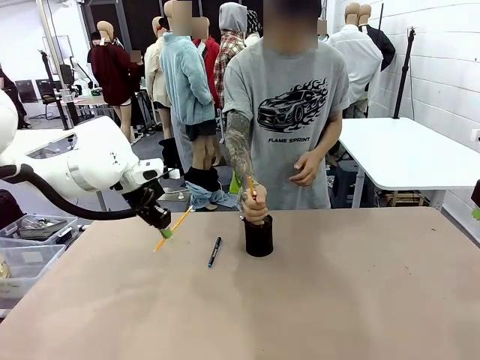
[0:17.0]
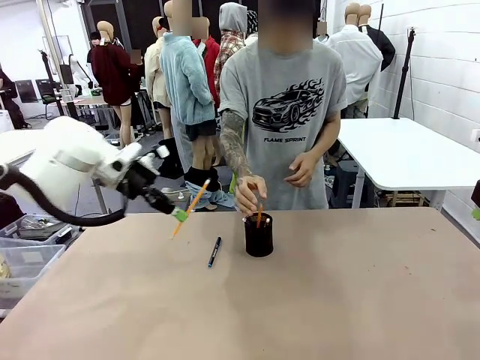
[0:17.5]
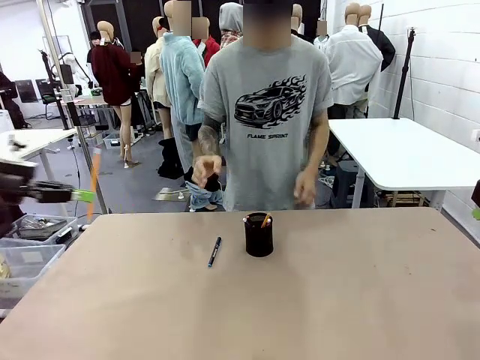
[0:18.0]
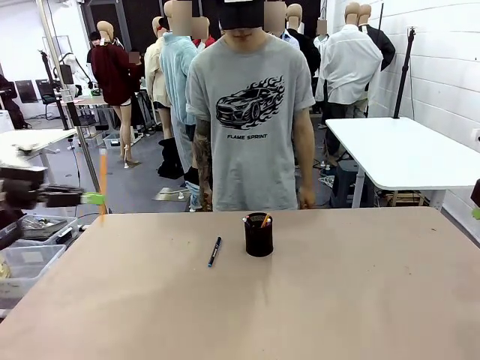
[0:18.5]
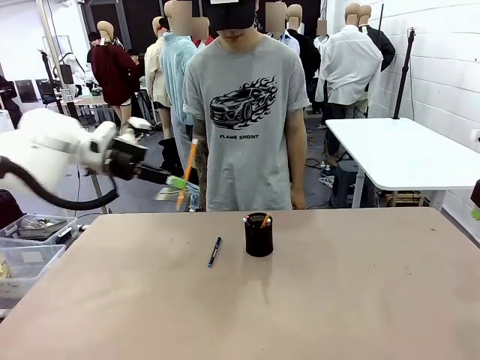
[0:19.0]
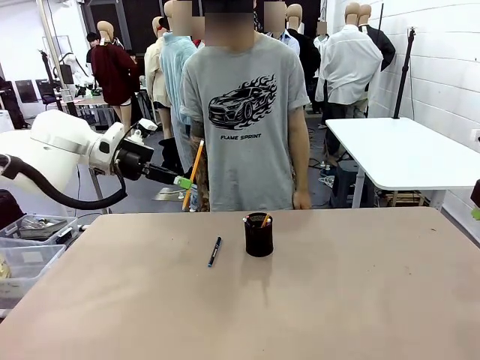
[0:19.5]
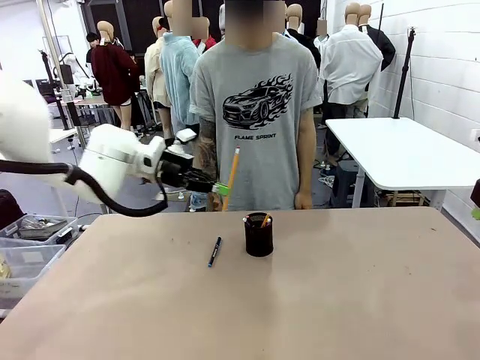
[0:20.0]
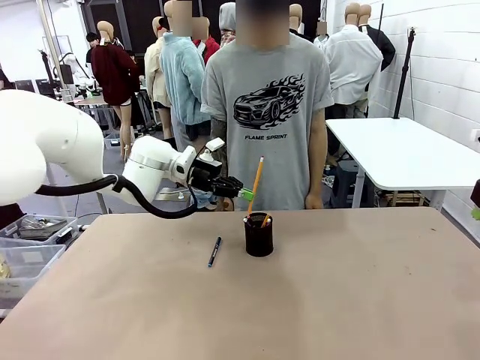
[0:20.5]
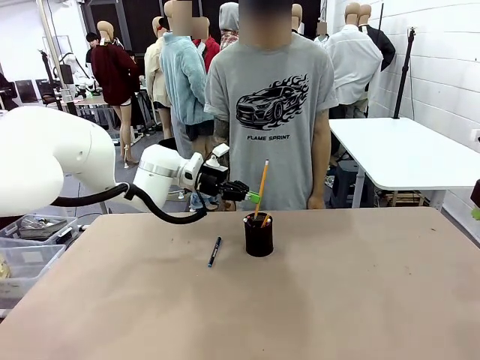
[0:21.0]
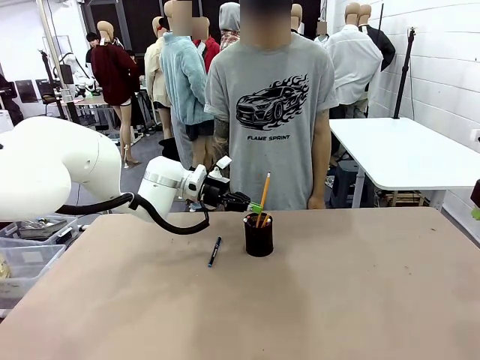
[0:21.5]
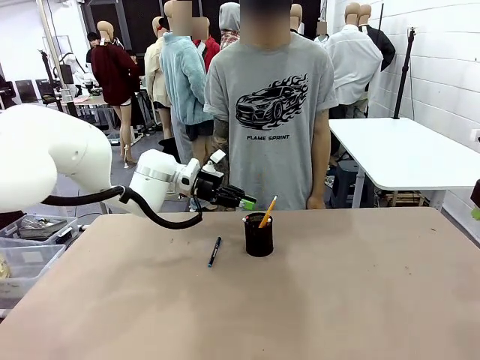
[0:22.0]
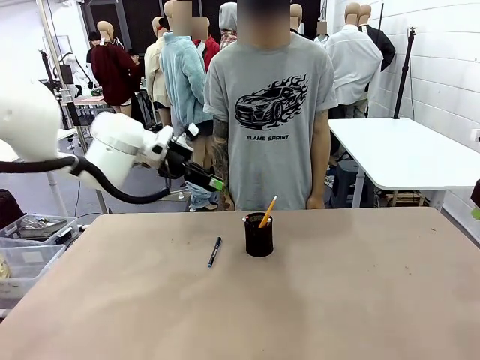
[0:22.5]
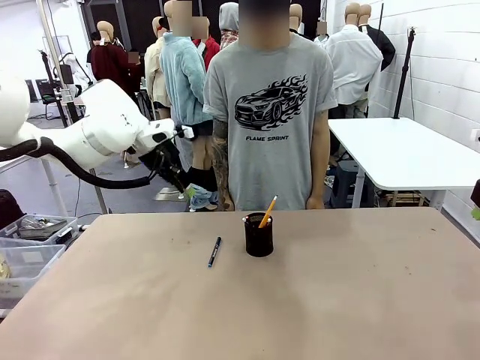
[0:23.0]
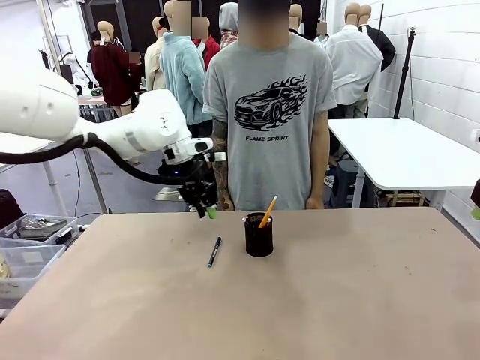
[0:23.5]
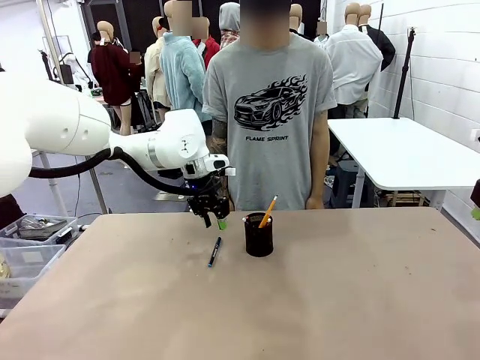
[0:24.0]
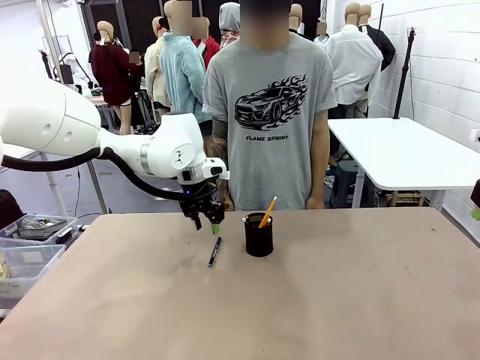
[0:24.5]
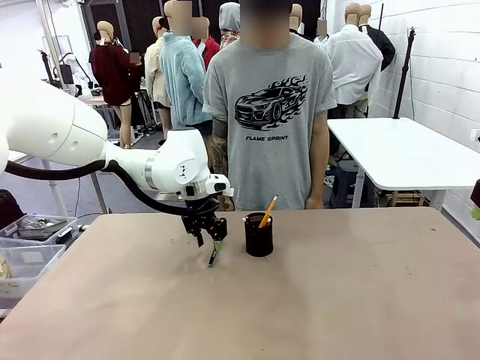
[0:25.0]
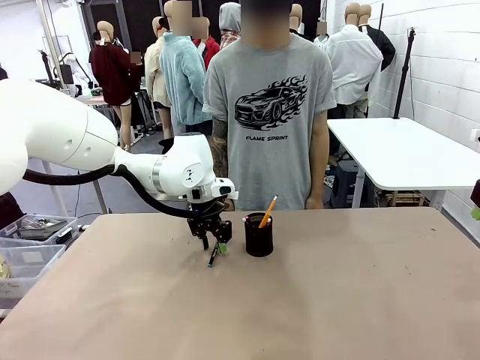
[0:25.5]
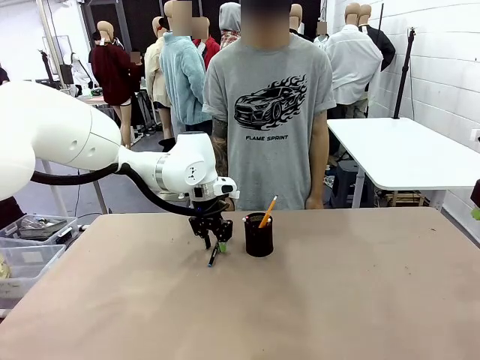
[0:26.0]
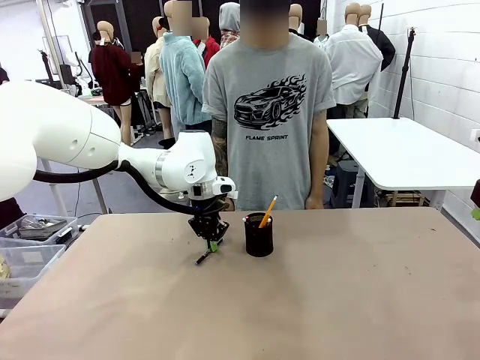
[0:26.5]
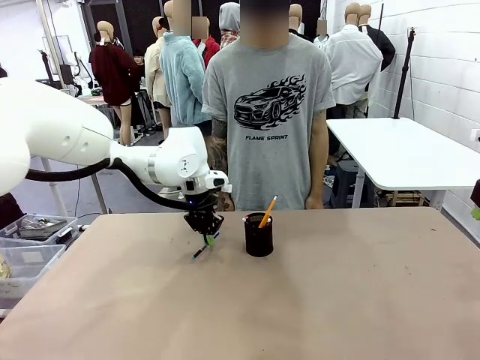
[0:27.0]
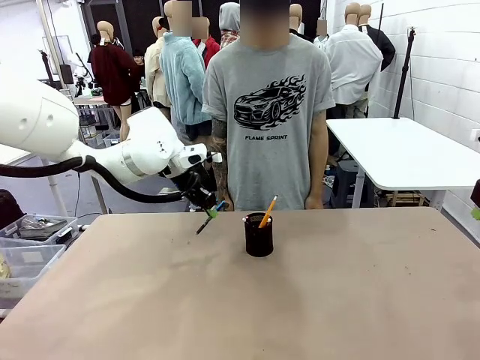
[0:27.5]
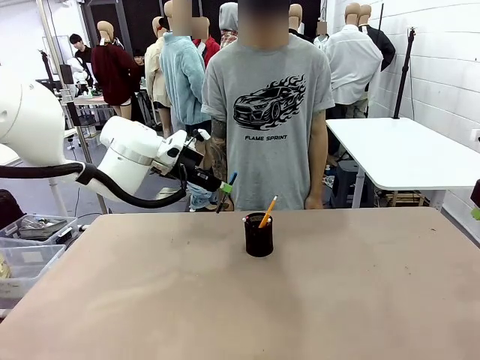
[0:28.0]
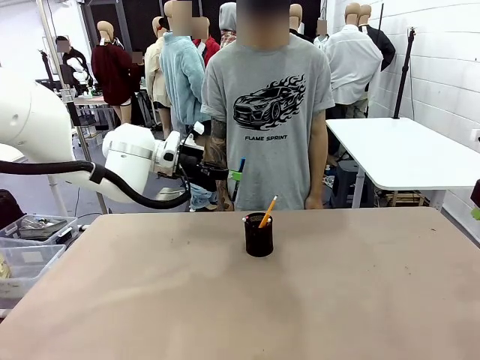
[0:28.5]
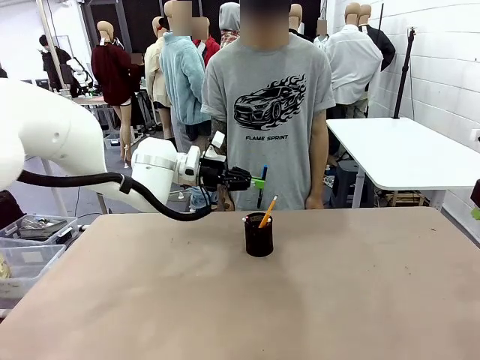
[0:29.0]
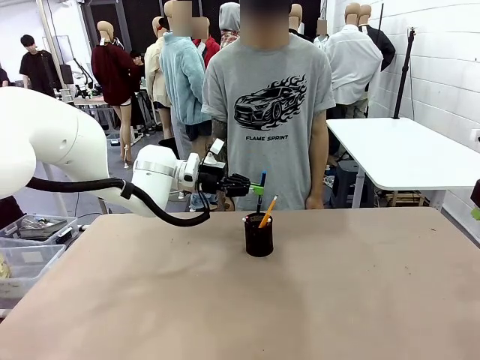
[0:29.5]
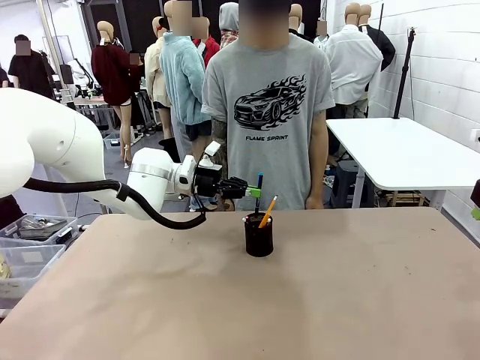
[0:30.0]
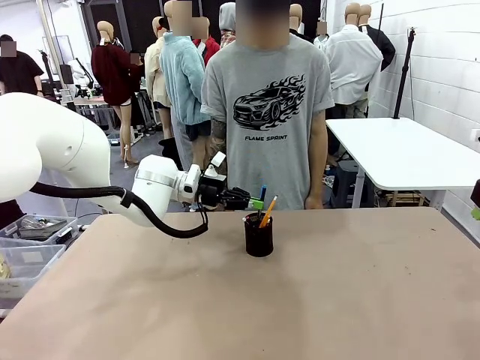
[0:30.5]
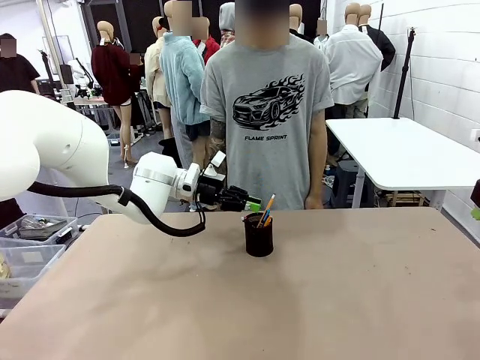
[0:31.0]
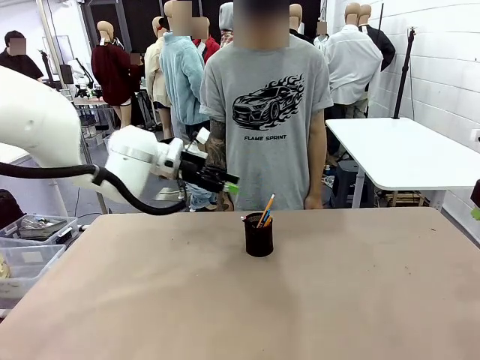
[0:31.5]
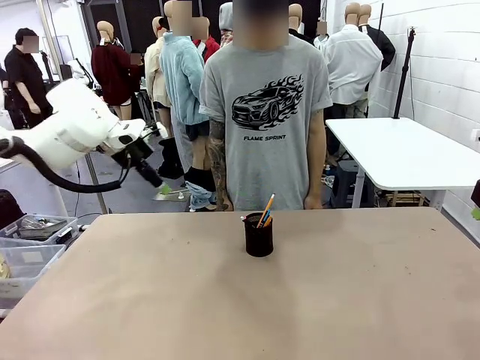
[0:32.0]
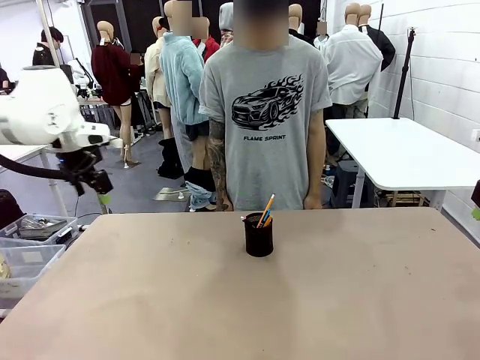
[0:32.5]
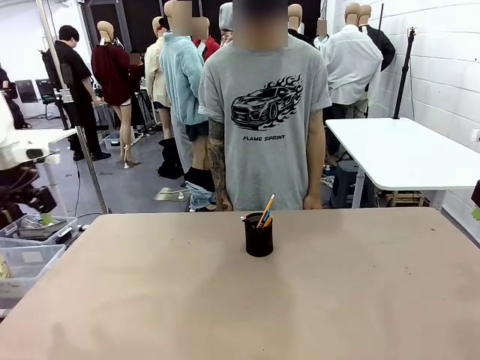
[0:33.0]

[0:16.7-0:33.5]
Task: Place the pens into the pen holder.
Robot: Pick up a writing instrument from the table and place it into the Pen holder.
Person: Place all writing instrument into the Pen holder.

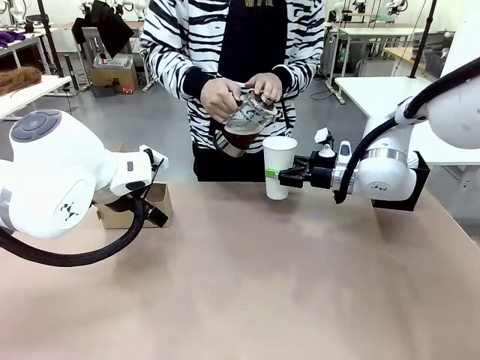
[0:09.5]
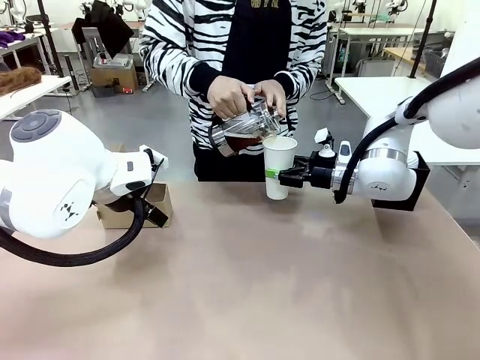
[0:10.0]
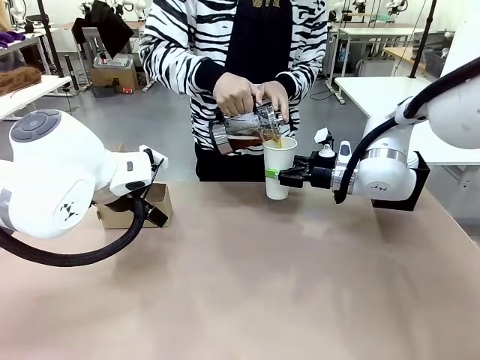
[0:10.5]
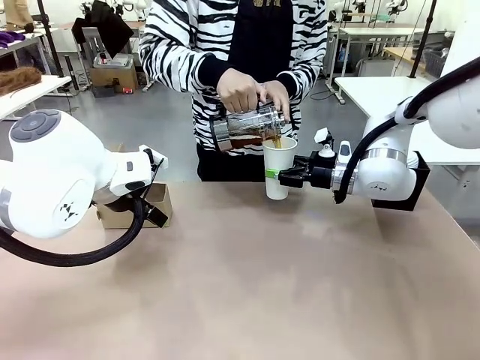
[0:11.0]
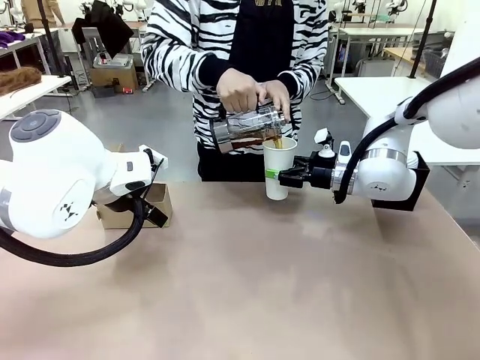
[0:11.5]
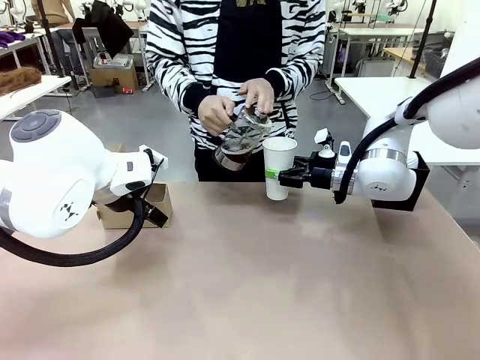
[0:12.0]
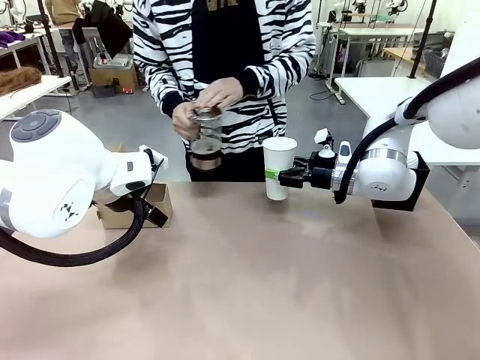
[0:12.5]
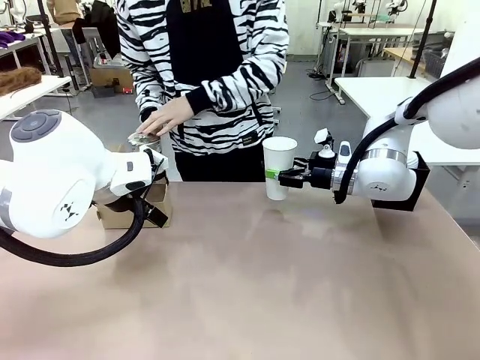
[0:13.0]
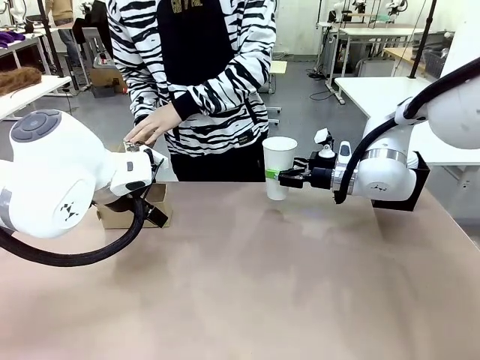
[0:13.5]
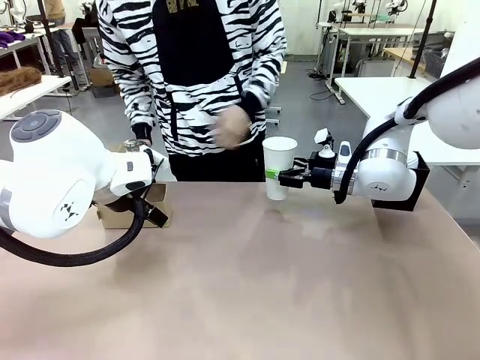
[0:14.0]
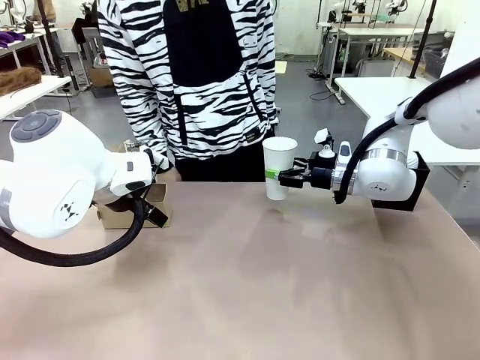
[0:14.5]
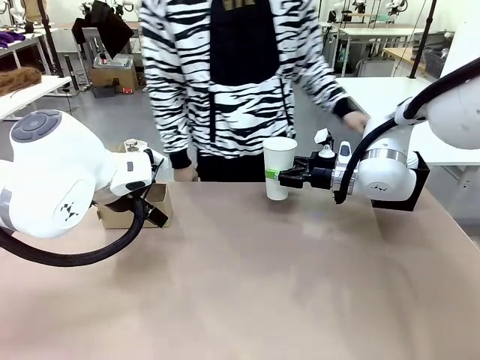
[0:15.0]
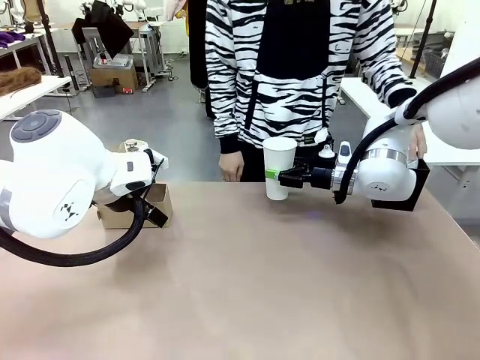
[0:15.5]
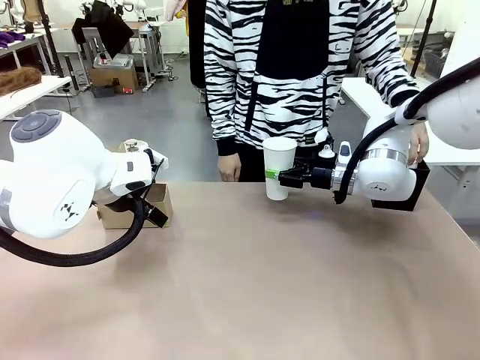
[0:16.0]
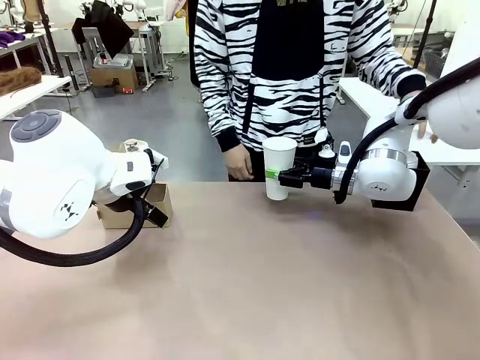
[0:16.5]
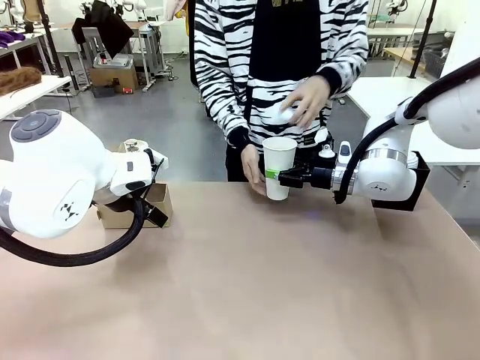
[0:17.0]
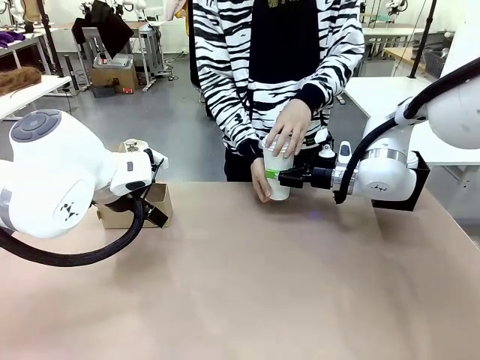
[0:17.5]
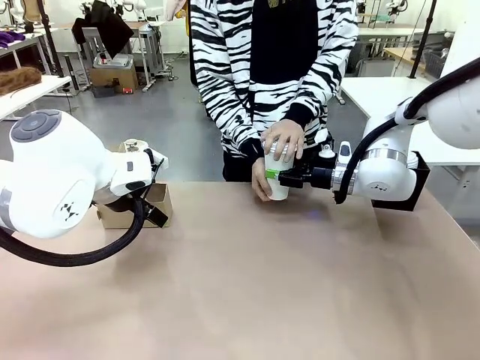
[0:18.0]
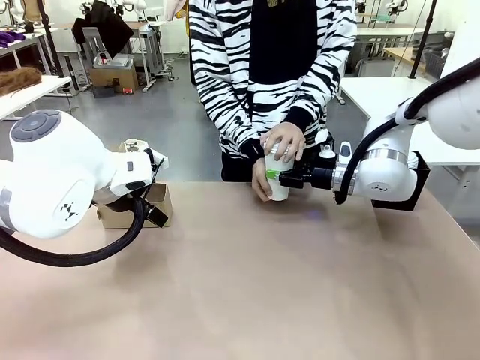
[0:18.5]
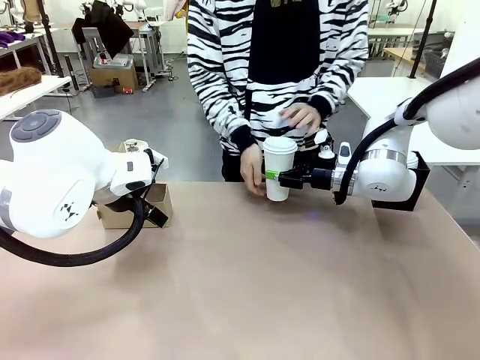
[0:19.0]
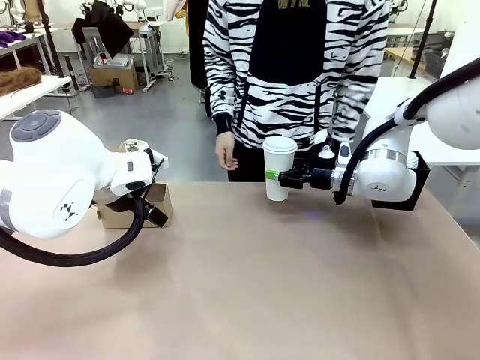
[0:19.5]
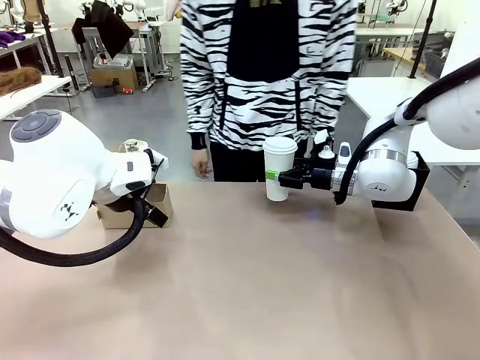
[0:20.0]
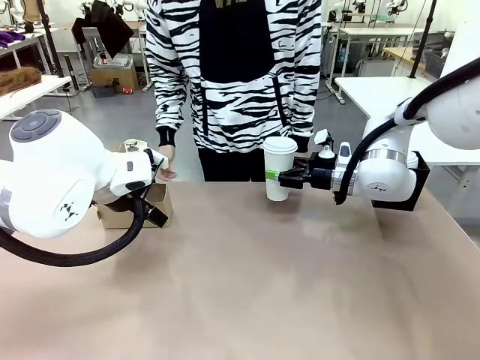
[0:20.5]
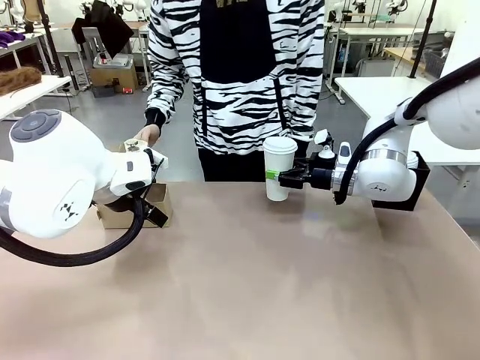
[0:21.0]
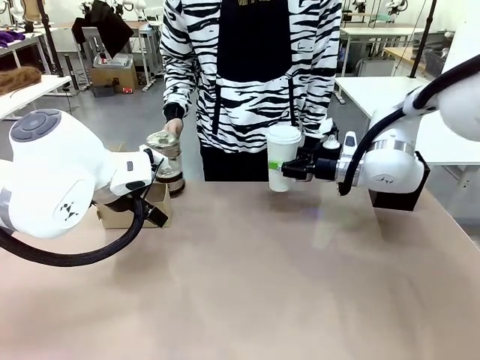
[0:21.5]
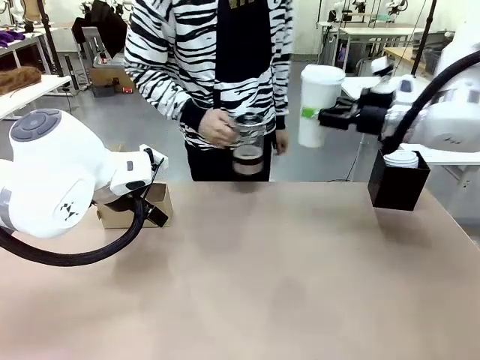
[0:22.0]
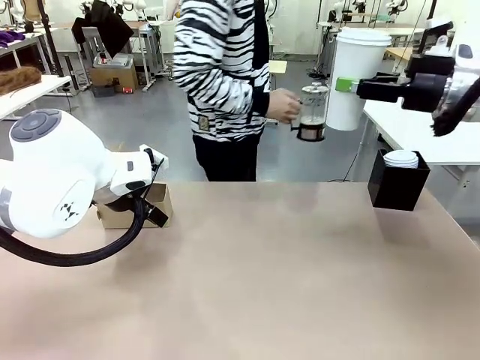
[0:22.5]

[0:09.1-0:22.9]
Task: Pour a drink into a cup and package it in a carrier.
Robot: When a person places the Paper Cup Lid on the 600 ml Paper Cup , lift the 600 ml Paper Cup.
Person: Pour the drink from the Filter Brewing into the 600 ml Paper Cup. Place a Paper Cup Lid on the 600 ml Paper Cup.
